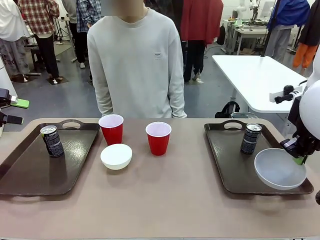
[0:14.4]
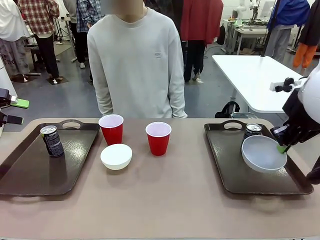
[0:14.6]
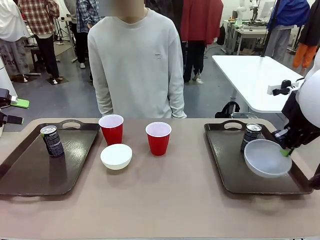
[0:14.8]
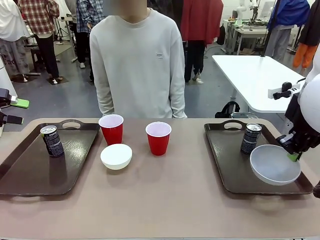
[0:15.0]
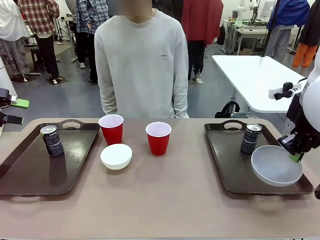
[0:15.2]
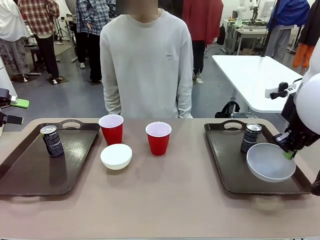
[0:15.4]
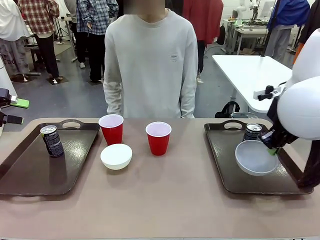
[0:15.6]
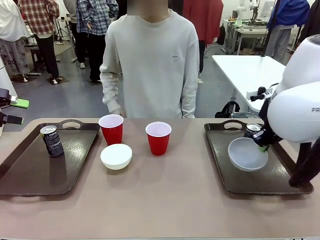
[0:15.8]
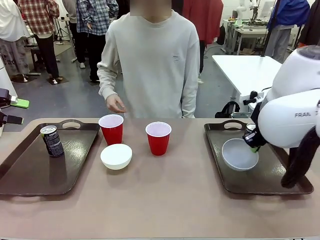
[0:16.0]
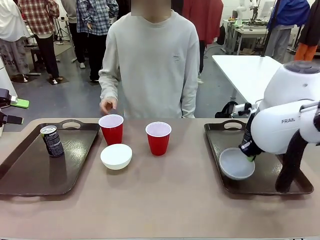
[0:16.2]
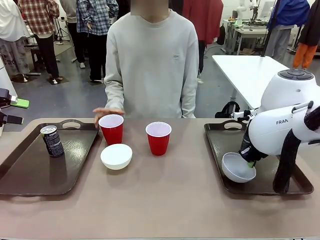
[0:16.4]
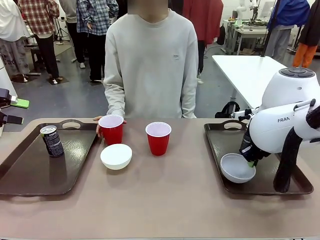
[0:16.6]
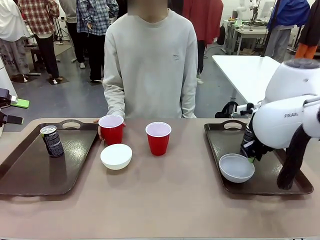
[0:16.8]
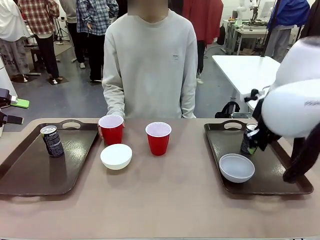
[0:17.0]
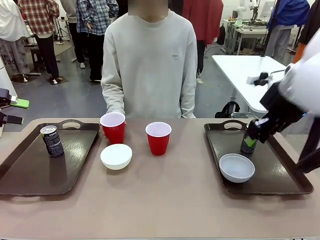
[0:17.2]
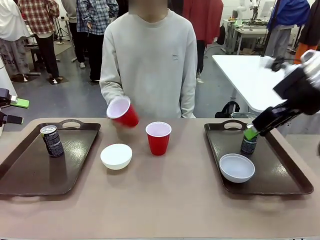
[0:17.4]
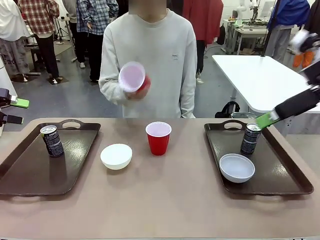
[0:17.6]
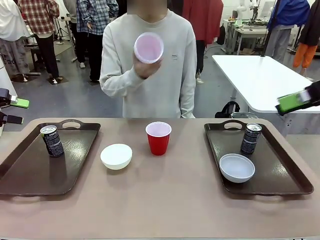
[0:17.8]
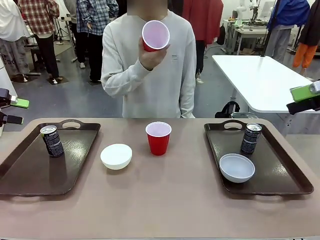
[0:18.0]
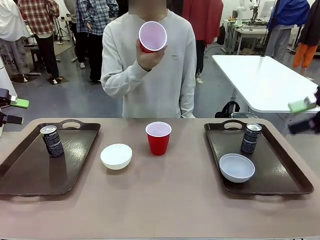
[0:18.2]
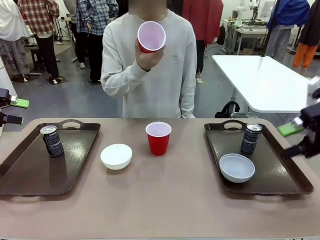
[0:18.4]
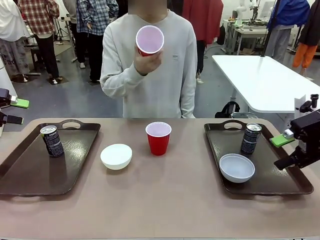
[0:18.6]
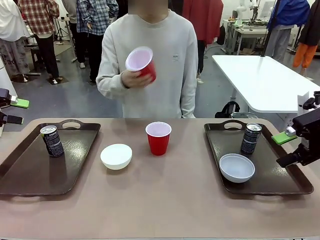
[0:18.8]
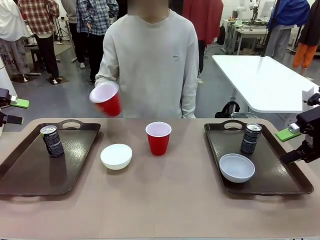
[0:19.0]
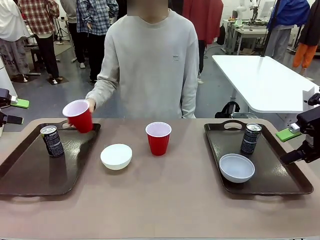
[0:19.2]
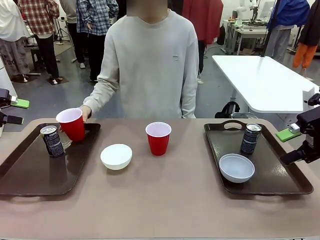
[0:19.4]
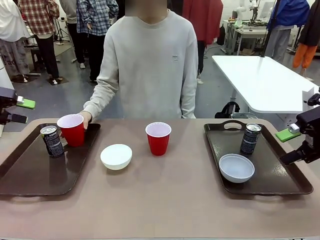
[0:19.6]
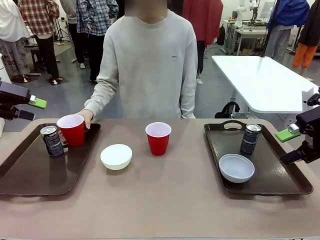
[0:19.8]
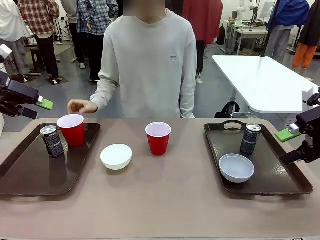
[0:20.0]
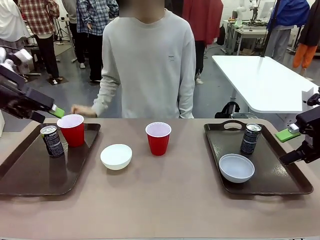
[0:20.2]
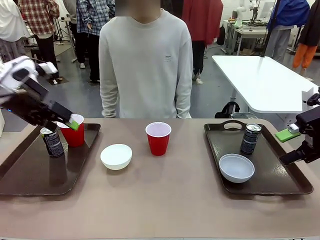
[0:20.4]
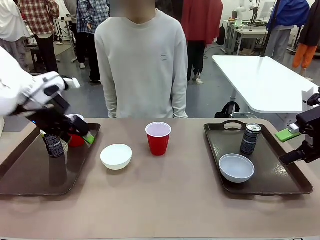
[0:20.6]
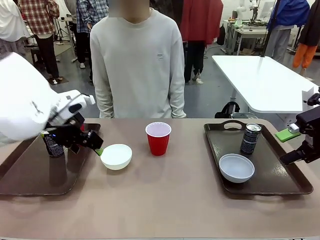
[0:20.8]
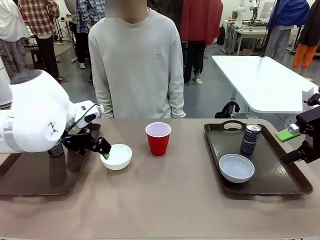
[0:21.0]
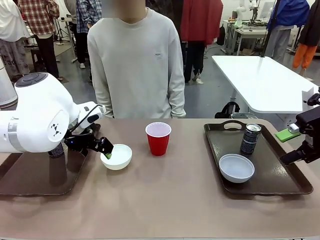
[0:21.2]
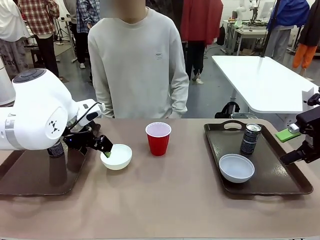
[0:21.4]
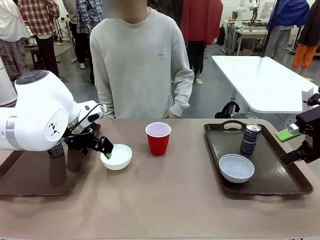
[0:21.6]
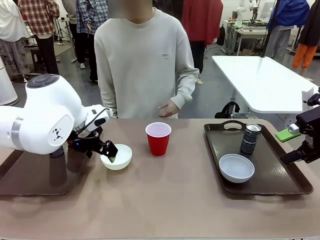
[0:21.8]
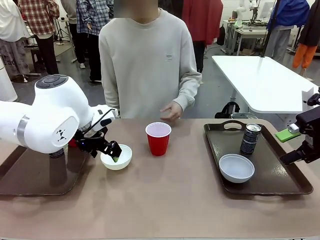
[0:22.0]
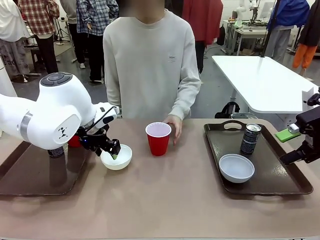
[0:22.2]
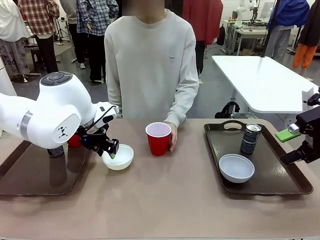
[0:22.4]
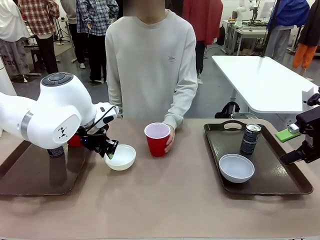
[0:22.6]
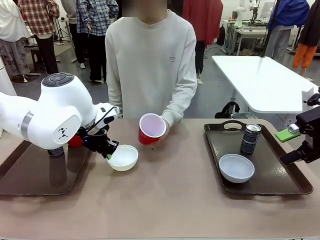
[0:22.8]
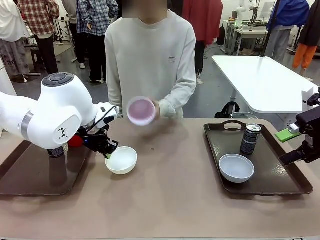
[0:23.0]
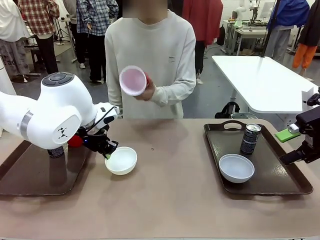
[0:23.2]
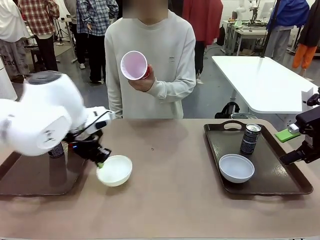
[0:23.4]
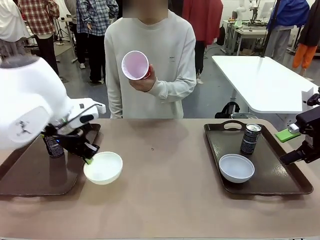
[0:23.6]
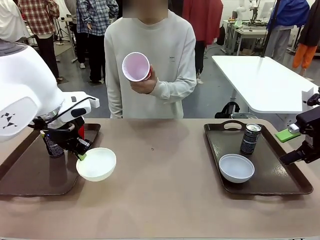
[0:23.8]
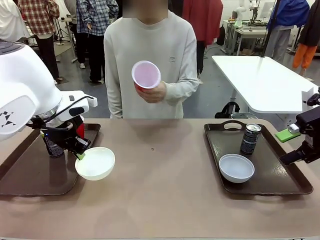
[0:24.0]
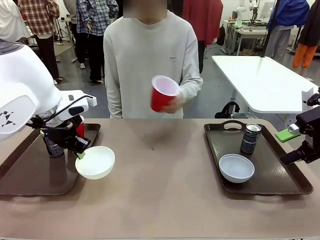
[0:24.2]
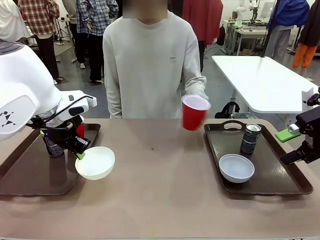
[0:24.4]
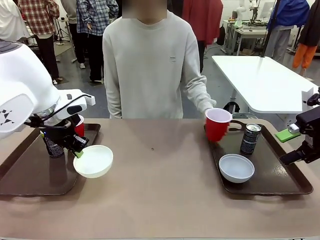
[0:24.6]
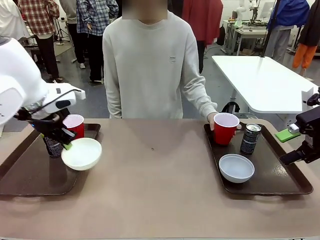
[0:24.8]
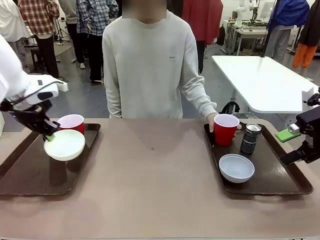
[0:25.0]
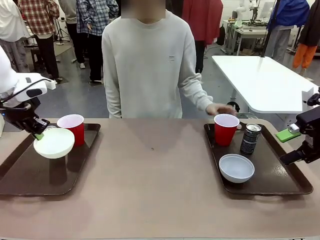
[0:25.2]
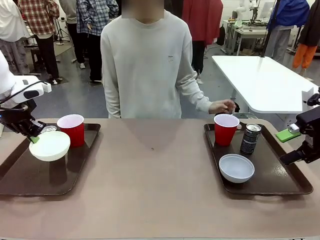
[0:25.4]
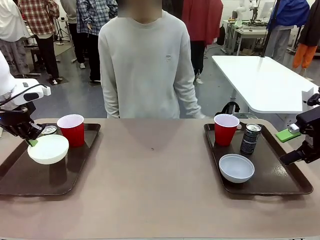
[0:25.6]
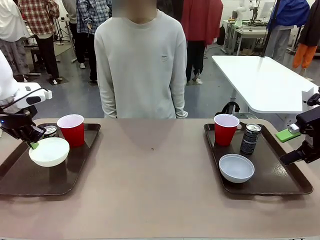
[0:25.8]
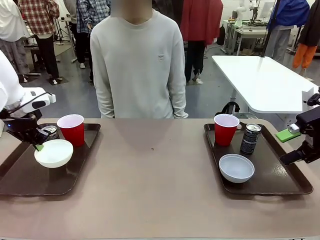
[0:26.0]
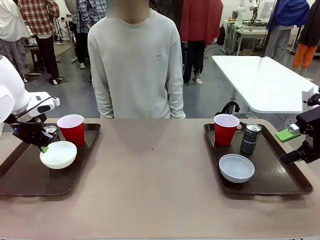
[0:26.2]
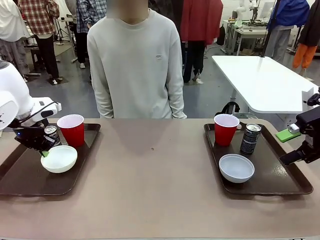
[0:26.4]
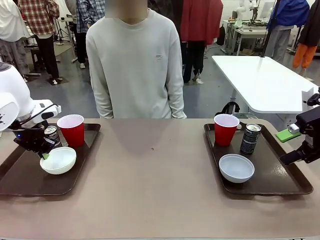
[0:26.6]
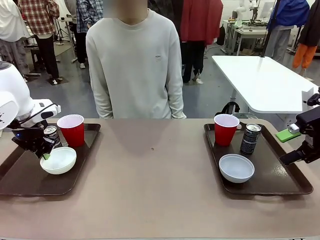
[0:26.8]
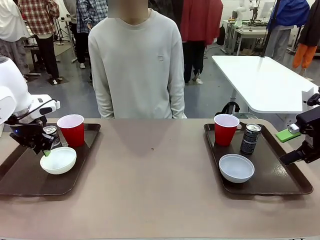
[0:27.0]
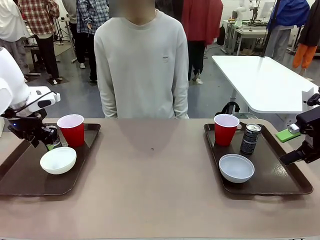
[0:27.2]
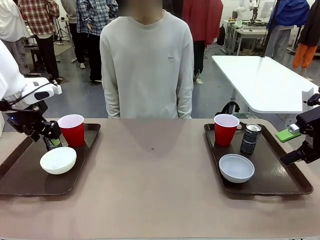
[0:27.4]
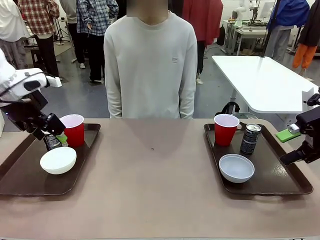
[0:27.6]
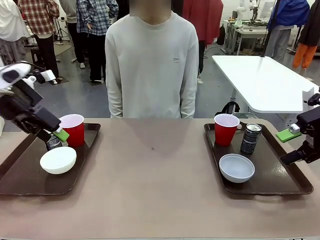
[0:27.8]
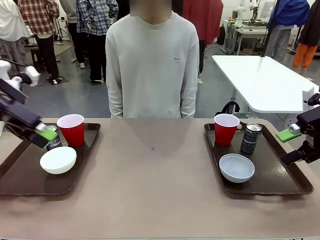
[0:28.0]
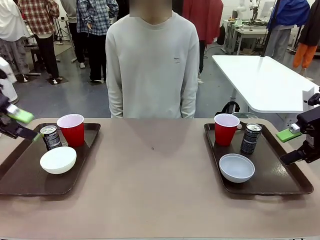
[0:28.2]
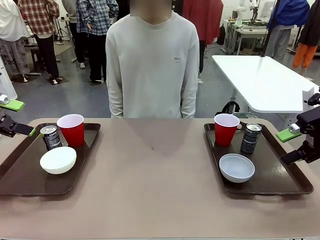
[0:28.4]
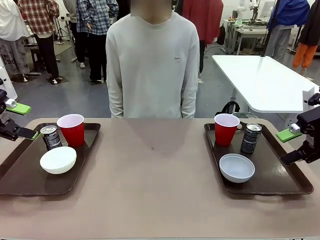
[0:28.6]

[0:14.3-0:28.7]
Task: Prepare tableware on both trays.
Robot: Pick up a Picnic Bowl from the table and place it on a Handle tray.
Person: Pick up a can or cup and place it on the tray without a can or cup.

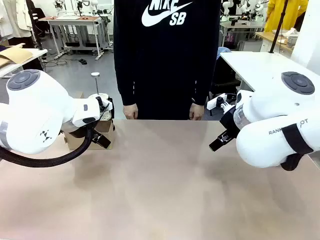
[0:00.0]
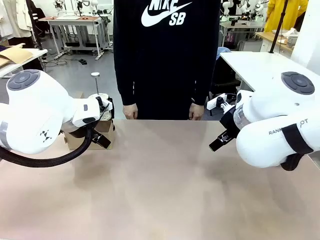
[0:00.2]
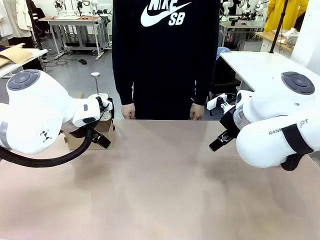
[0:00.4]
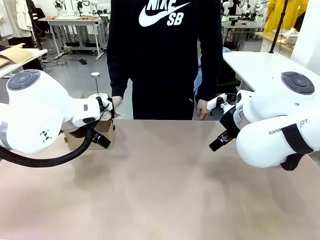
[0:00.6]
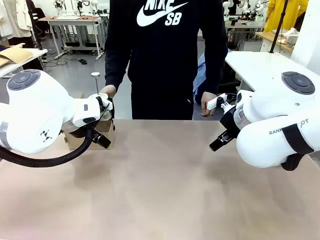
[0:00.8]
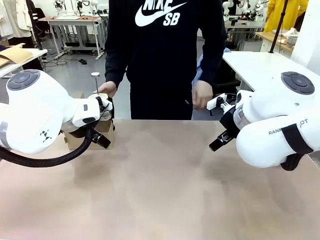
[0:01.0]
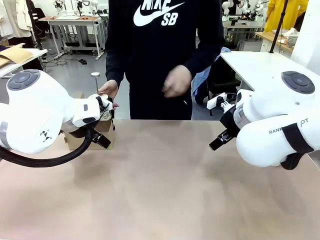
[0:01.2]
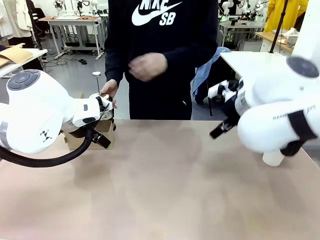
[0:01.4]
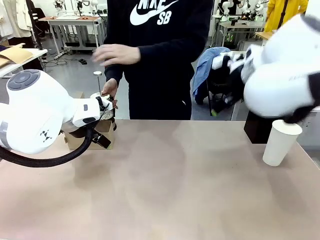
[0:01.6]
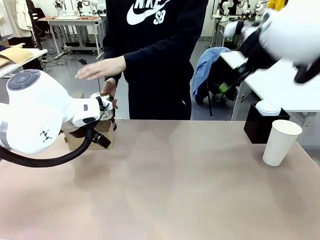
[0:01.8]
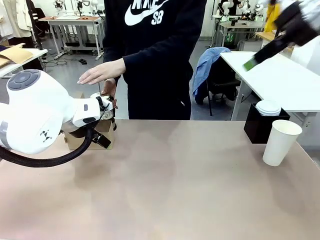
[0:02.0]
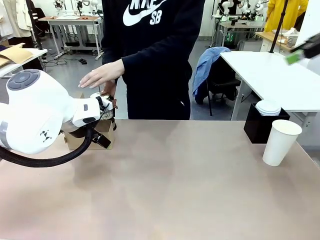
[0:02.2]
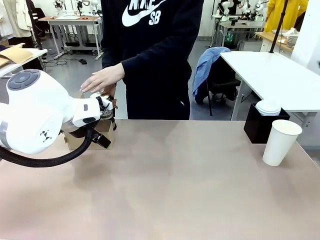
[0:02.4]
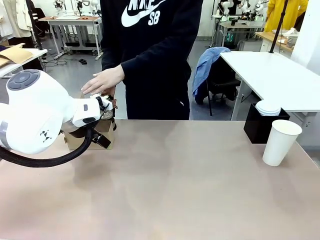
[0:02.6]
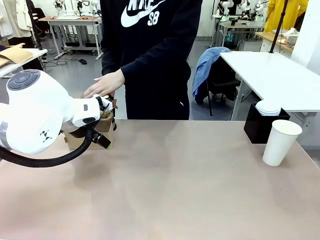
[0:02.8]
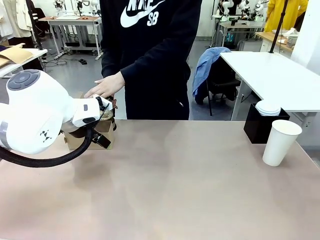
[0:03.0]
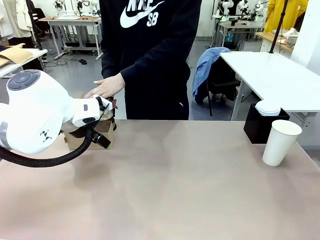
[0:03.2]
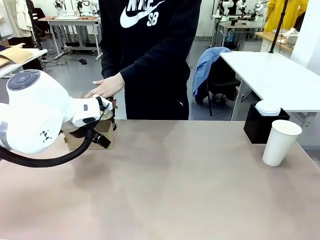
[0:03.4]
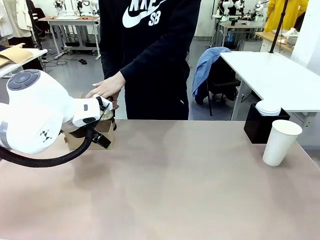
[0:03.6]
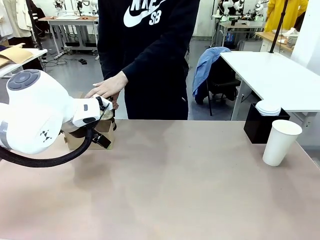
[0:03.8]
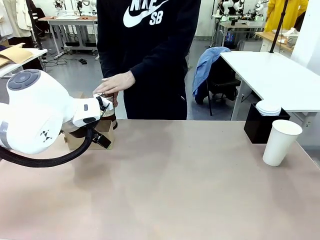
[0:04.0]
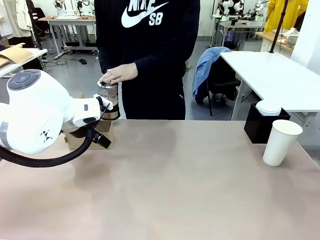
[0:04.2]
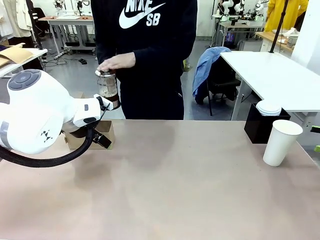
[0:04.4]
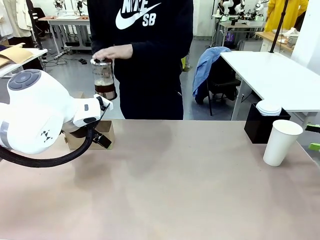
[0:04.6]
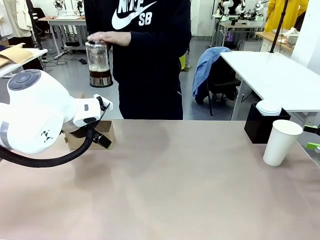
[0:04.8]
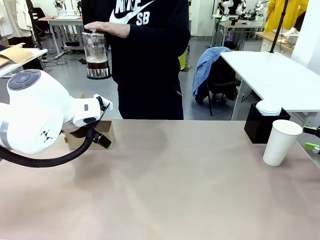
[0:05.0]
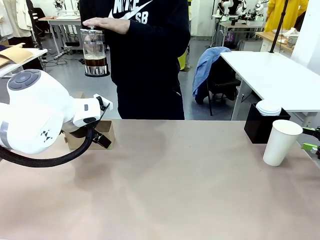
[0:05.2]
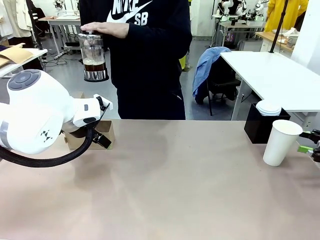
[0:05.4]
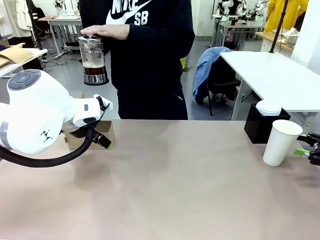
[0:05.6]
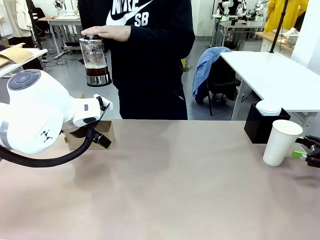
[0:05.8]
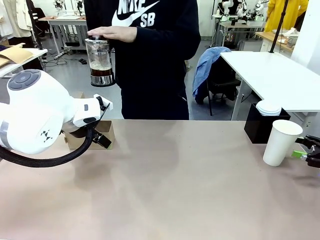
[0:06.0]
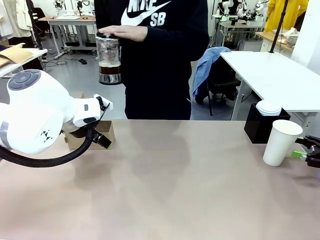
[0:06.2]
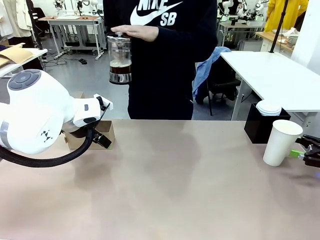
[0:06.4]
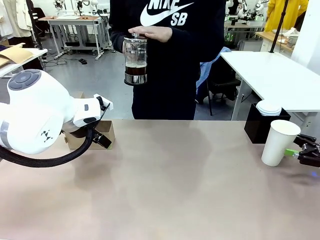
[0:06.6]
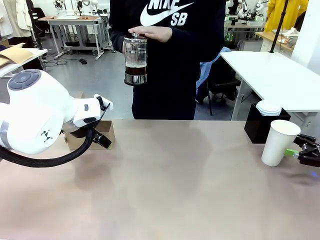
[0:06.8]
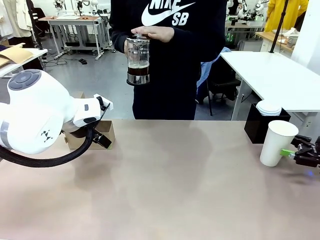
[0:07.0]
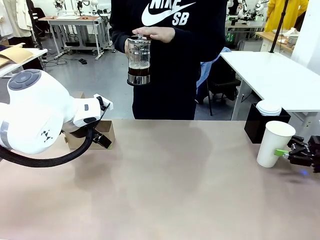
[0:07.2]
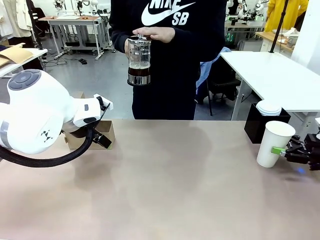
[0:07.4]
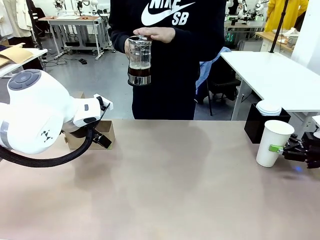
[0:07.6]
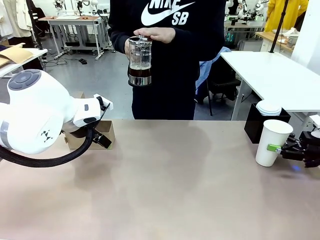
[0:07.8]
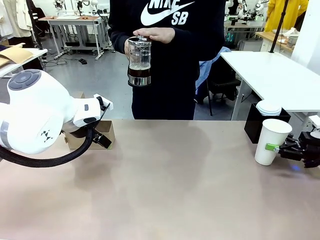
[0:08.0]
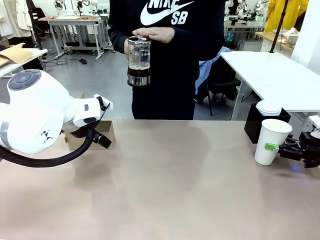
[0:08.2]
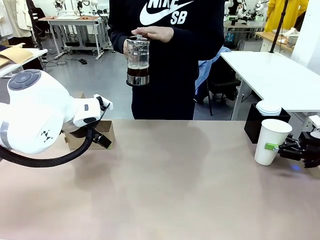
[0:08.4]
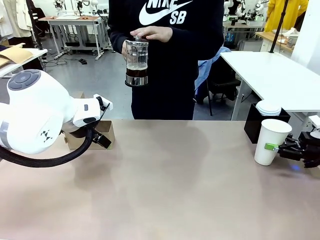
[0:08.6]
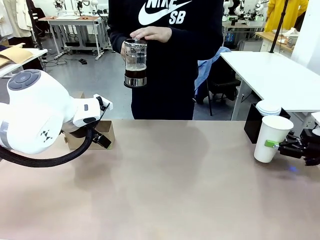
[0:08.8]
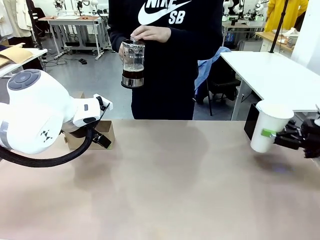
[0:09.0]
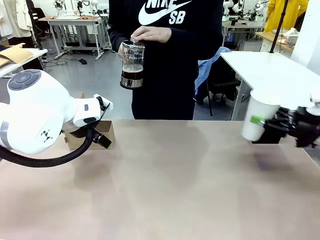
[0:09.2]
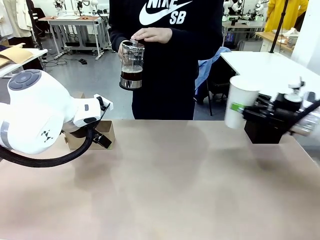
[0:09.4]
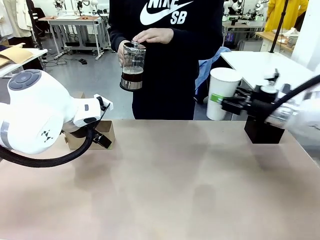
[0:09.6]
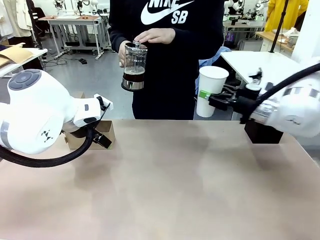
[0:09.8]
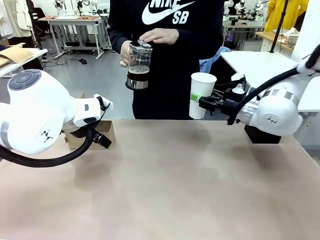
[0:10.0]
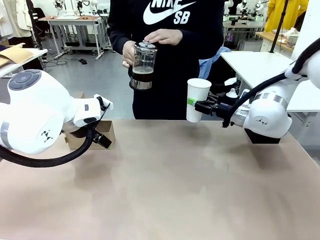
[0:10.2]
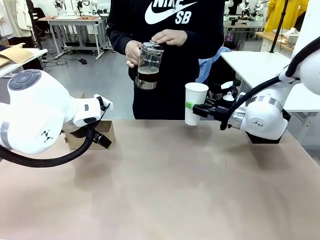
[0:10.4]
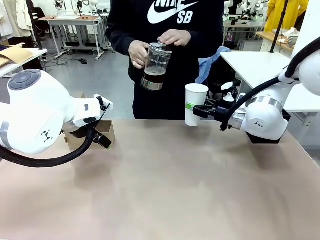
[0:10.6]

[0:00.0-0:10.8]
Task: Pour a drink into a cup and package it in a carrier.
Robot: Pick up the 600 ml Paper Cup and place it in the middle top area of the table.
Person: Press and pick up the Filter Brewing. Pour the drink from the Filter Brewing into the 600 ml Paper Cup.
